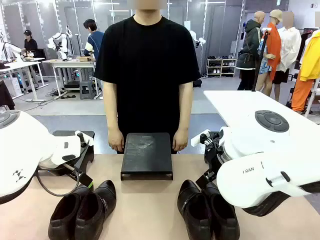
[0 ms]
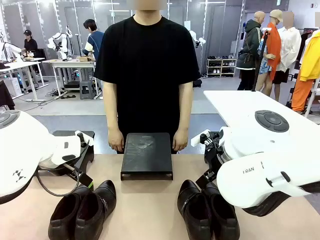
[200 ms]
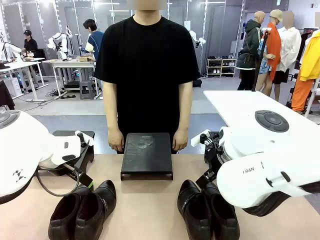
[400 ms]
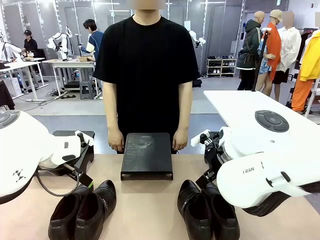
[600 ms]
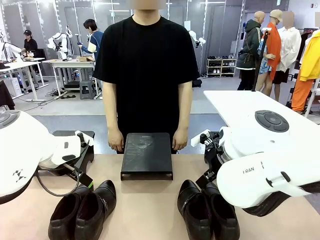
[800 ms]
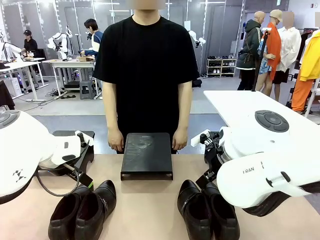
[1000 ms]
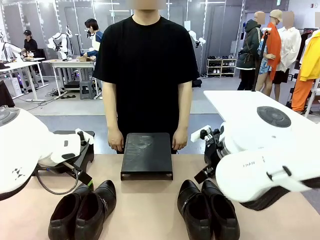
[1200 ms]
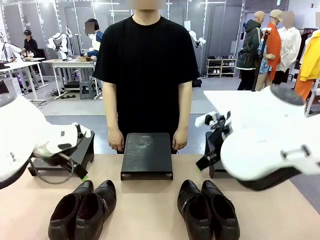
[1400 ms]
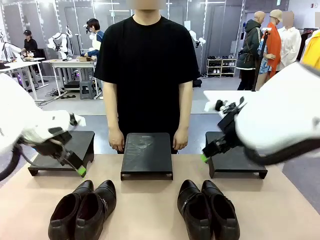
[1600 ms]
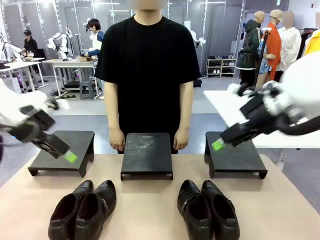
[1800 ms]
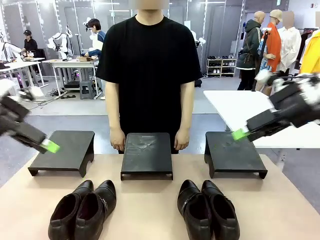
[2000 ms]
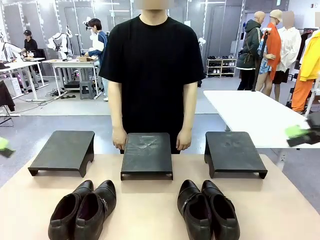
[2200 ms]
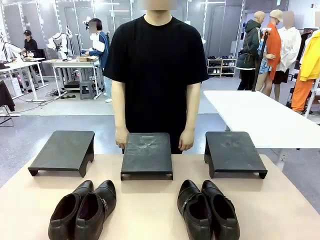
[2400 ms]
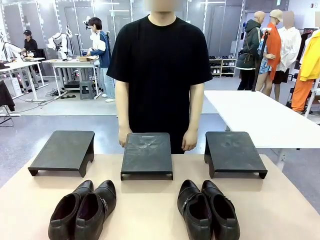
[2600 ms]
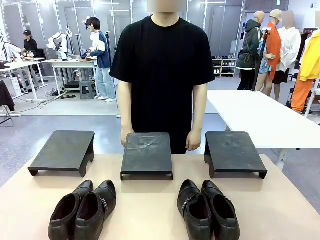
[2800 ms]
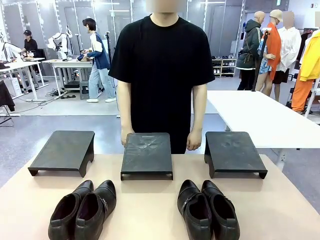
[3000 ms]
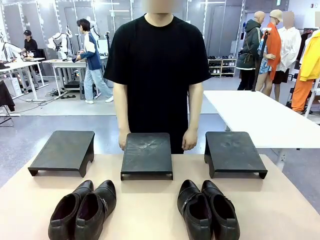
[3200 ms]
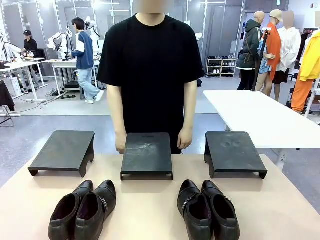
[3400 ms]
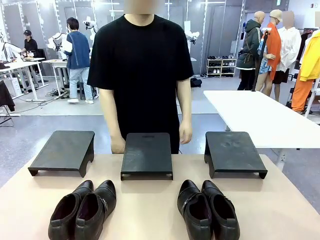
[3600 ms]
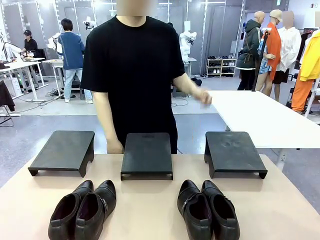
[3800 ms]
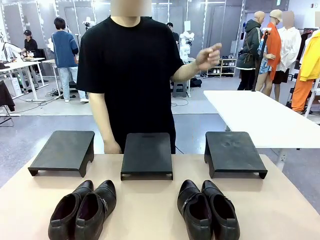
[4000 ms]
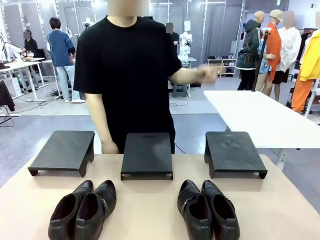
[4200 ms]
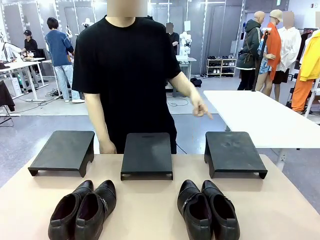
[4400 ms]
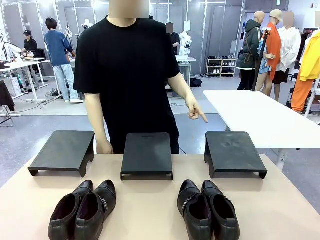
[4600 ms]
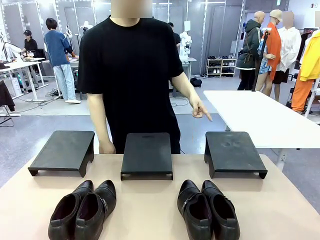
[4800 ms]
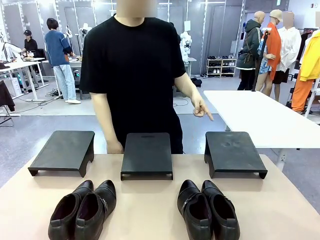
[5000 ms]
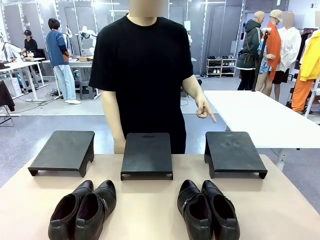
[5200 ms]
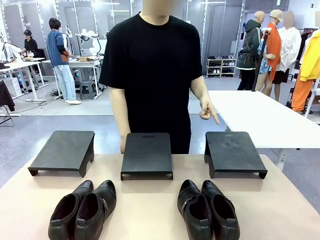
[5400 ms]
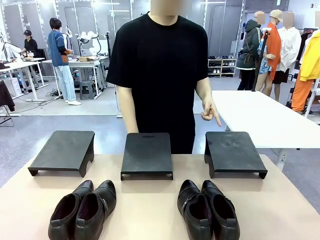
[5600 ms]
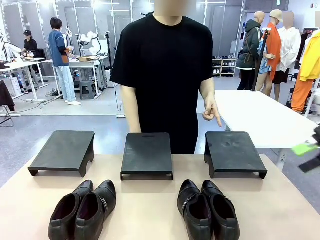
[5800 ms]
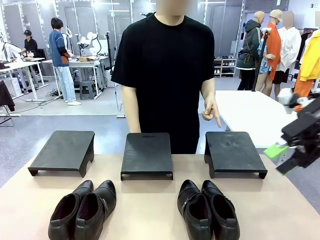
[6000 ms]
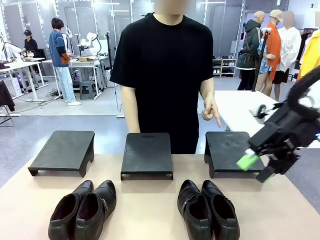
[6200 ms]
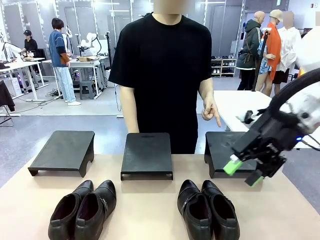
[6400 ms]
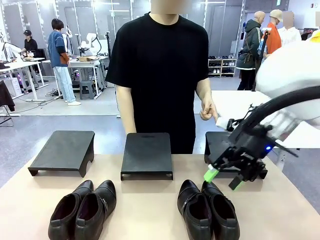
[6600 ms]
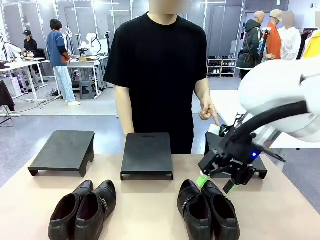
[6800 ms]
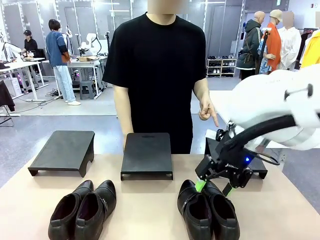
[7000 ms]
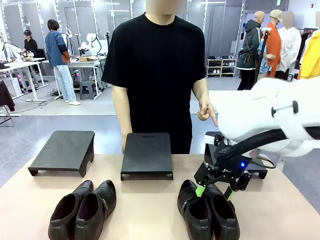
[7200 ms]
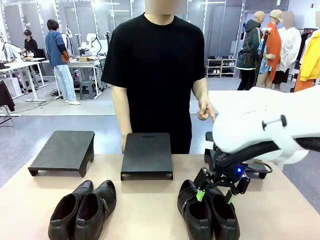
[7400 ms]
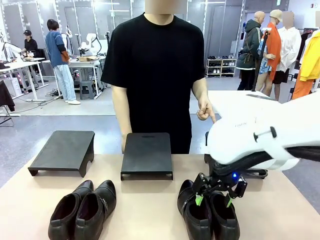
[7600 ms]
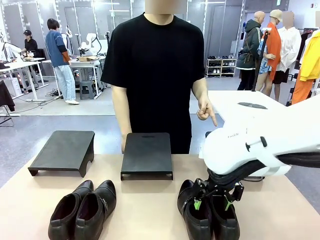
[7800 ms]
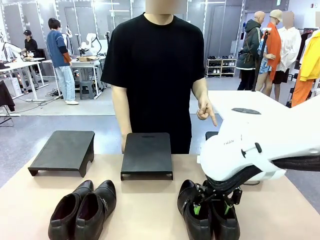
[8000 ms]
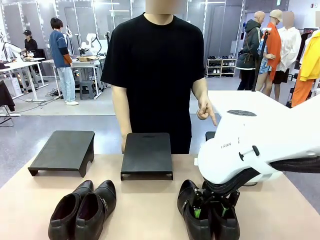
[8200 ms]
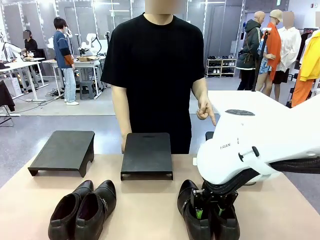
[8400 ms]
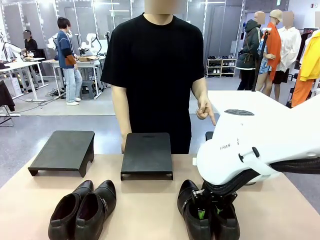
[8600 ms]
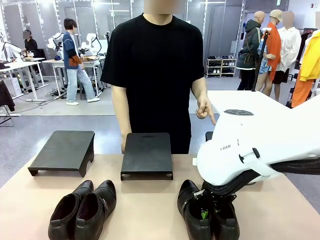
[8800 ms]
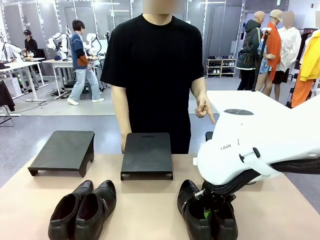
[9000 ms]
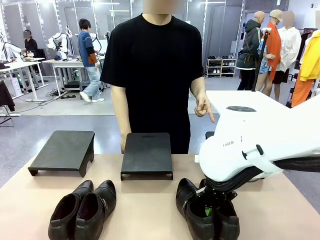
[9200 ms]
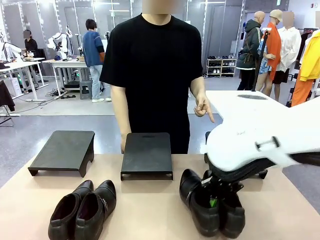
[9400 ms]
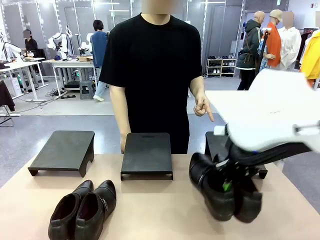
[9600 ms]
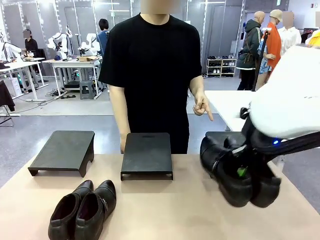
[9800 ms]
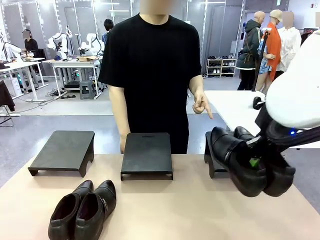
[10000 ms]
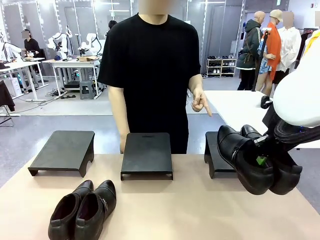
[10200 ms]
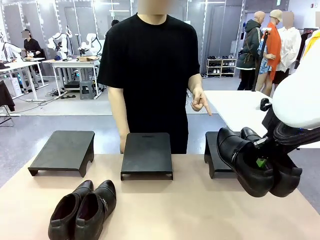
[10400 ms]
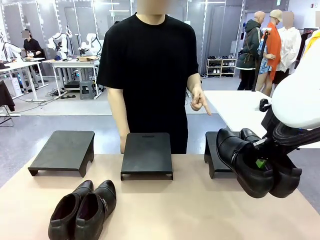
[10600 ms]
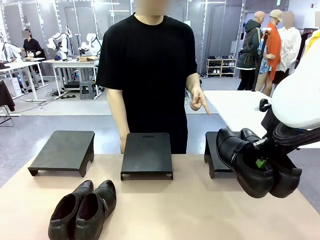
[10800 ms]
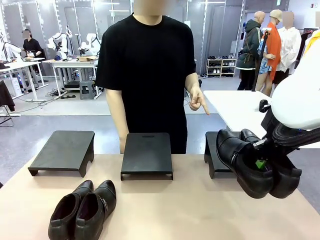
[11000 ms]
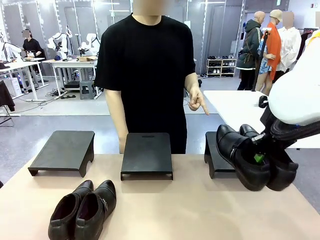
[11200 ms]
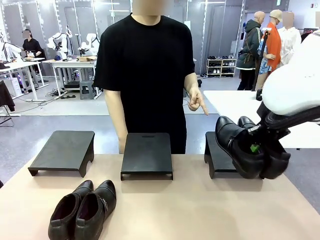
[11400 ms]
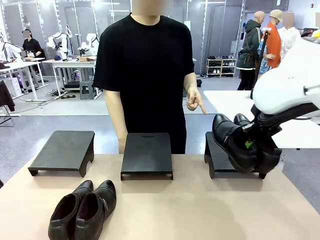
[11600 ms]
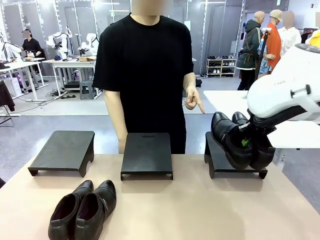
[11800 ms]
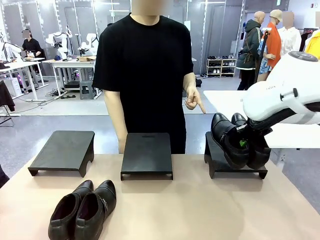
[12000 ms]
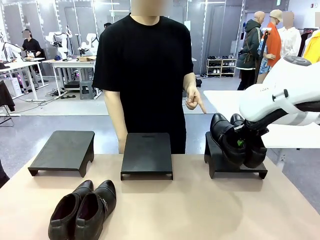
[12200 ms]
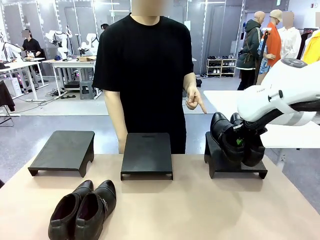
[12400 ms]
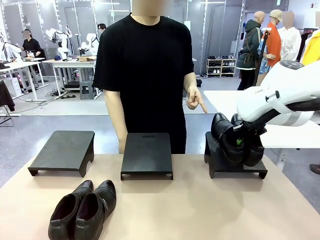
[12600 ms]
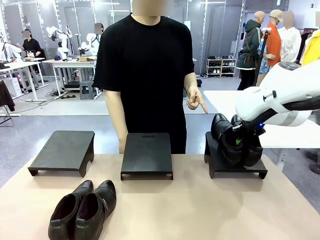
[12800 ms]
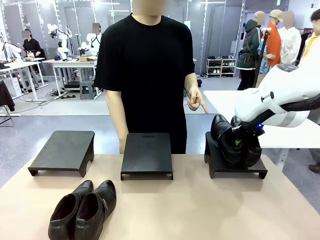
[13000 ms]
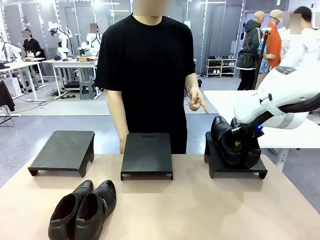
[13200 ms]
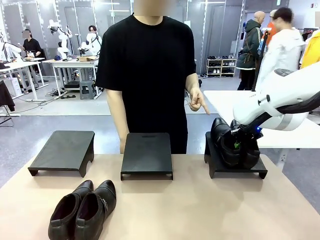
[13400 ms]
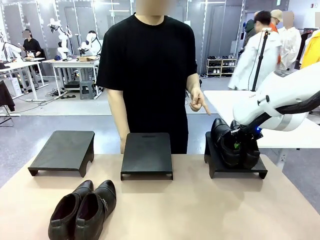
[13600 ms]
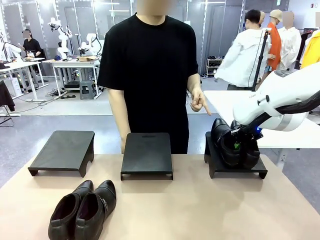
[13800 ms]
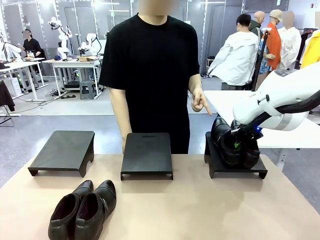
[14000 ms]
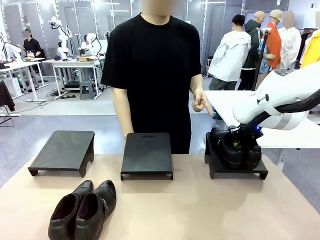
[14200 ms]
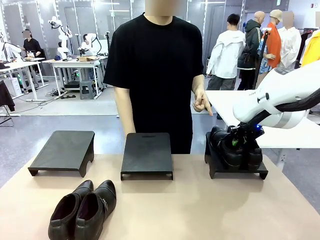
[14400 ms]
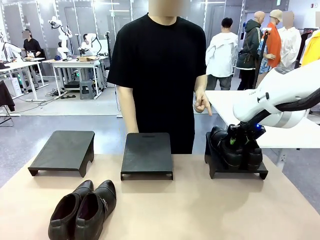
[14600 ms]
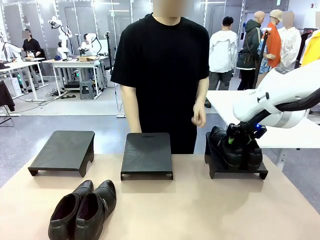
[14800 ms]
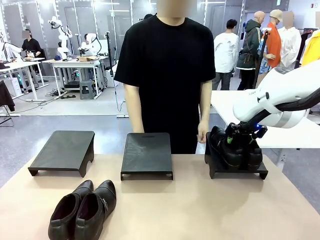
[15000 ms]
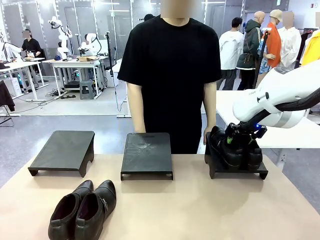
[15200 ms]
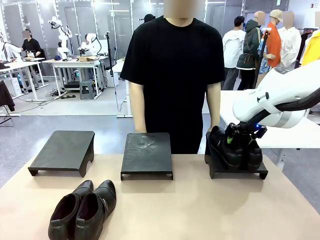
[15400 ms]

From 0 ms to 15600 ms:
Task: Place the shoes on the stand as instructed by the person.
Robot: Pick up one pair of Shoes and place it on the Shoes Stand indicated by the person.
